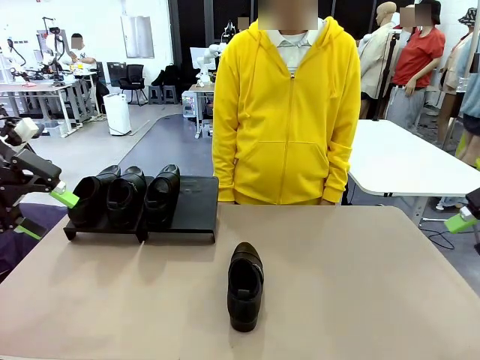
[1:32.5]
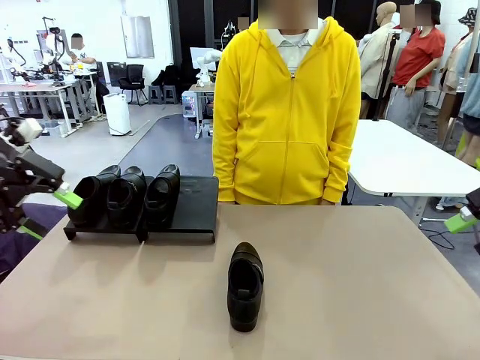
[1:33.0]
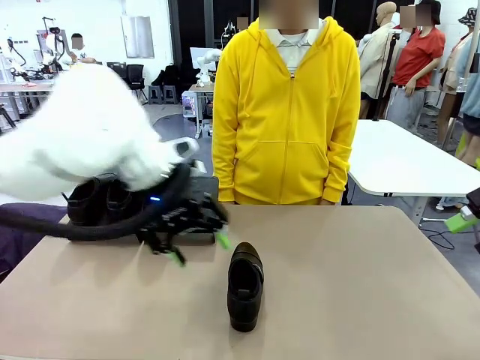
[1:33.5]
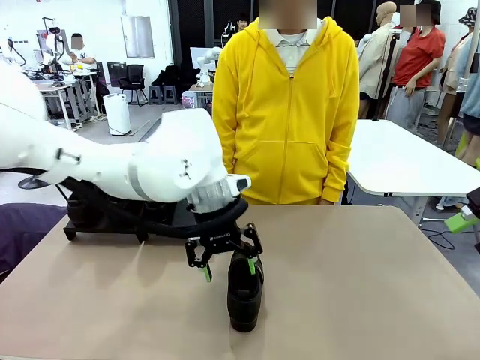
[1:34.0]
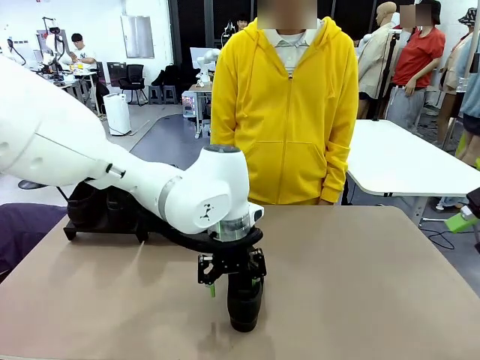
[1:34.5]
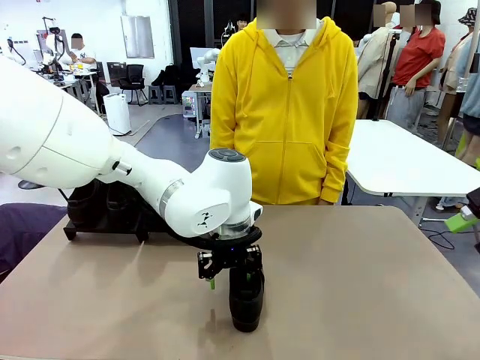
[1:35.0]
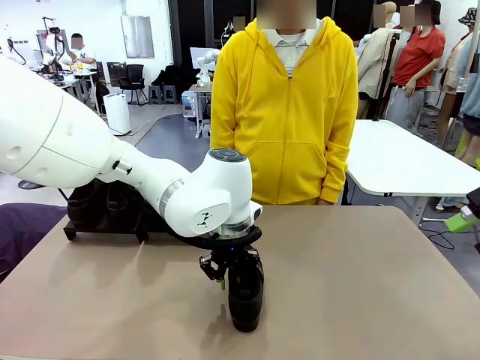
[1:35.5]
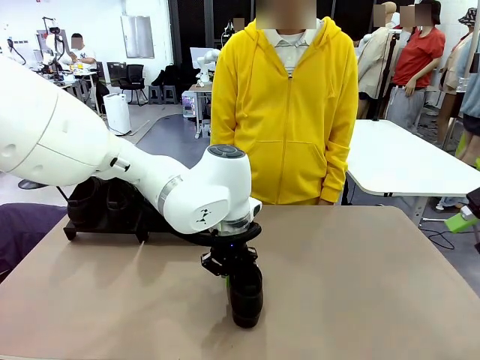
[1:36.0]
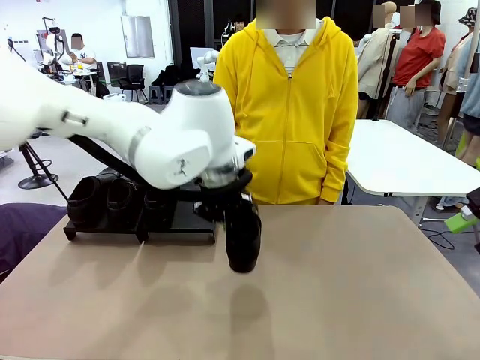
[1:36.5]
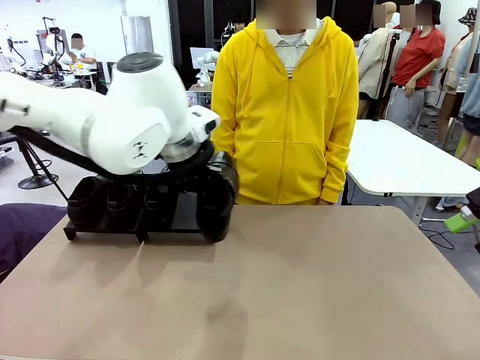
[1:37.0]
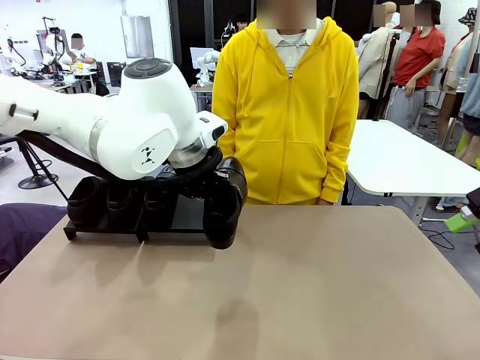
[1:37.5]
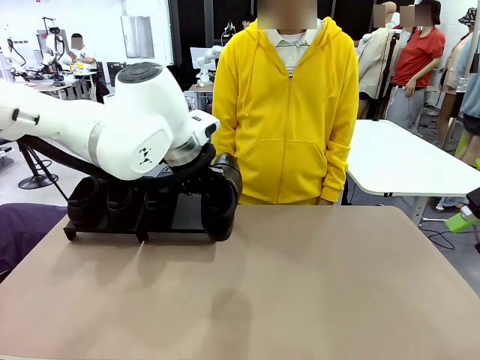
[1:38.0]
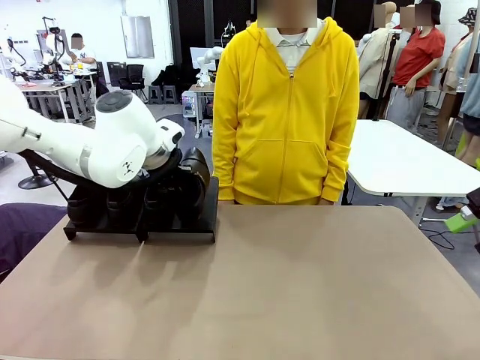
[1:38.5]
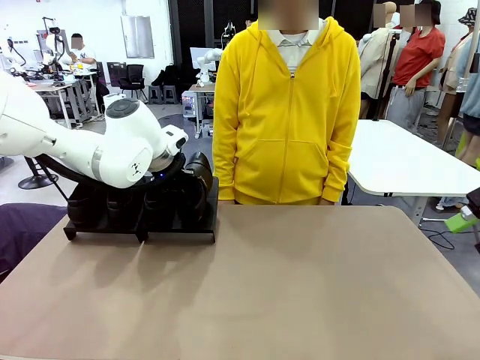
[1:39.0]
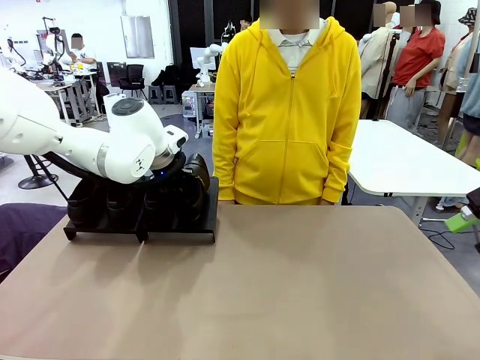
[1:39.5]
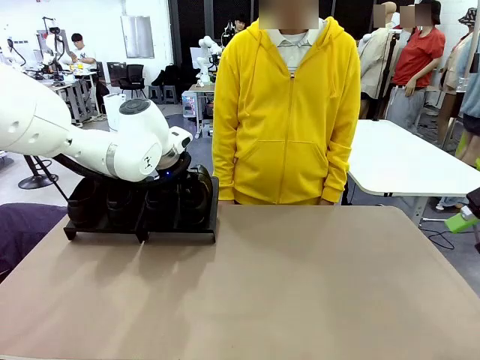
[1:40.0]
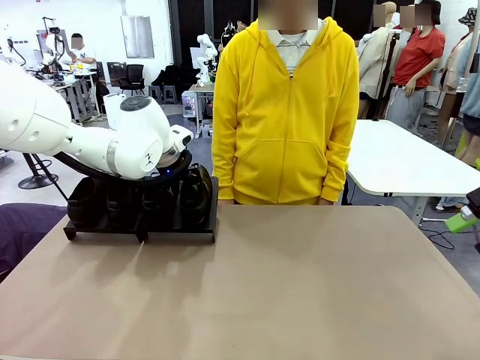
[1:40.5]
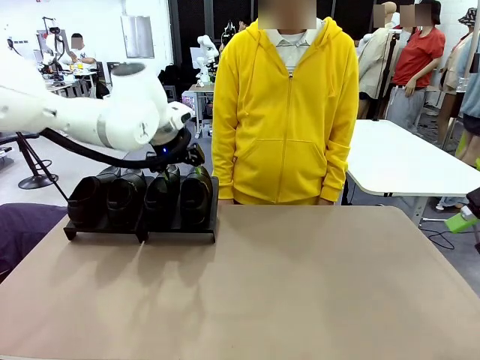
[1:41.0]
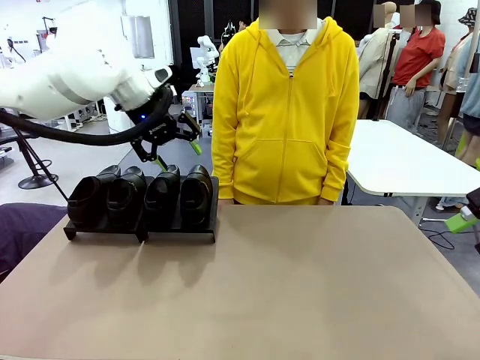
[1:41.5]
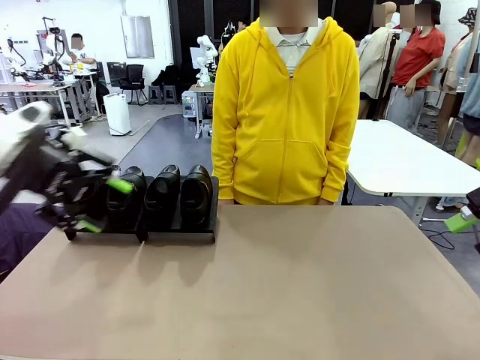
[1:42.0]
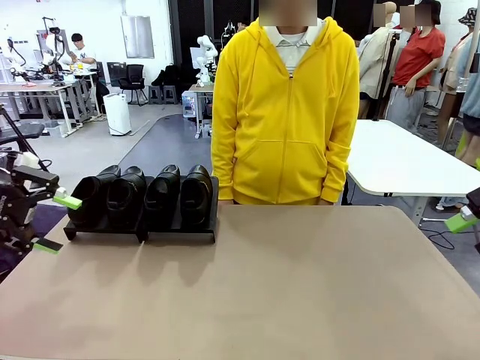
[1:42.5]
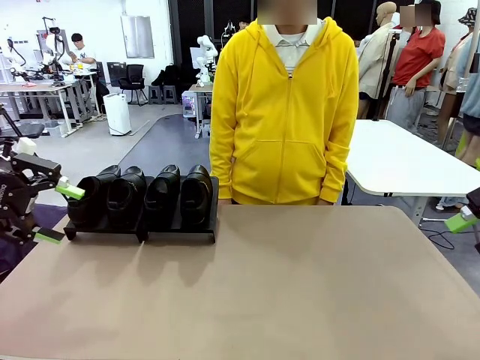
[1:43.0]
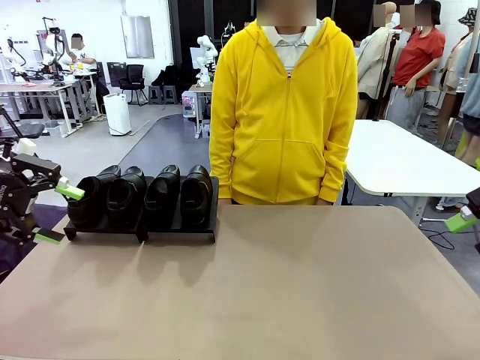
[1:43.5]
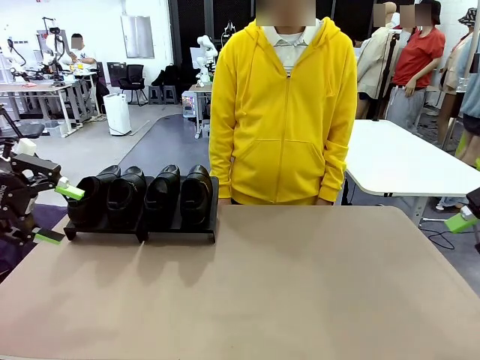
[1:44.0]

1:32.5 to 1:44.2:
Task: Organize the shoes by placing them on the stand.
Robot: Place the Shoe from the middle of the table onto the Shoes Stand.

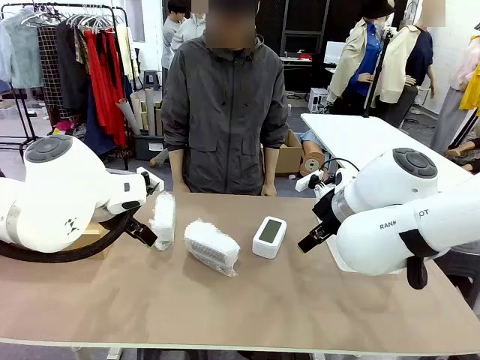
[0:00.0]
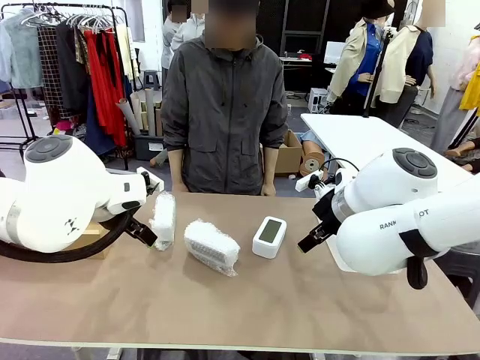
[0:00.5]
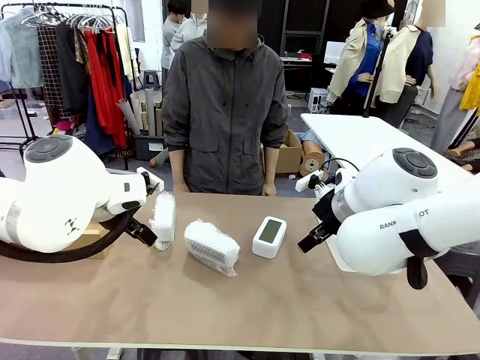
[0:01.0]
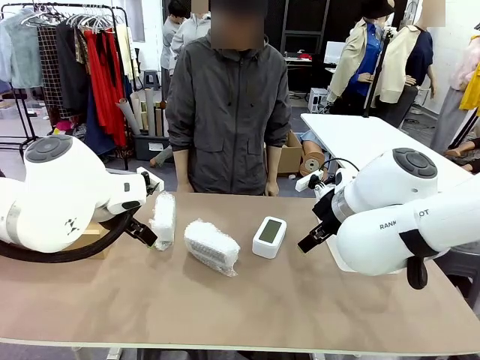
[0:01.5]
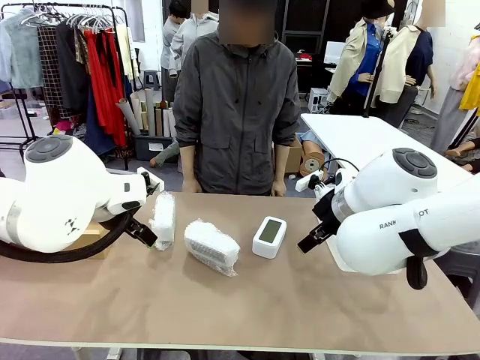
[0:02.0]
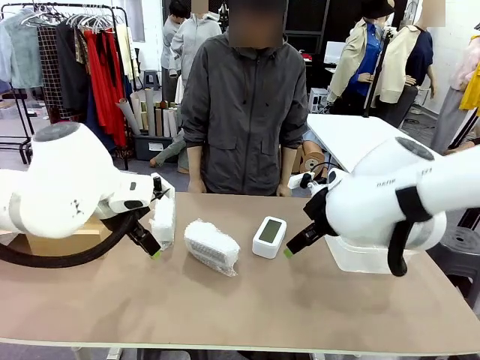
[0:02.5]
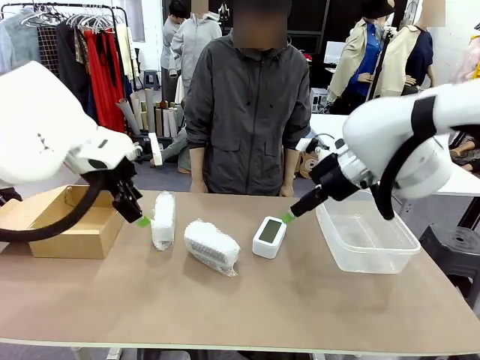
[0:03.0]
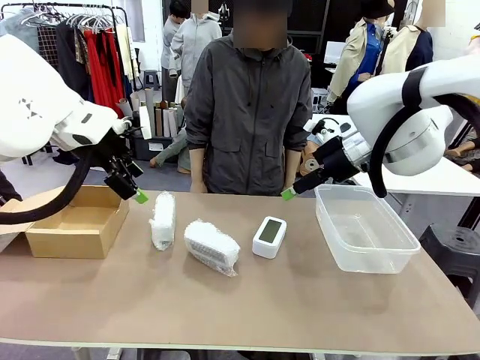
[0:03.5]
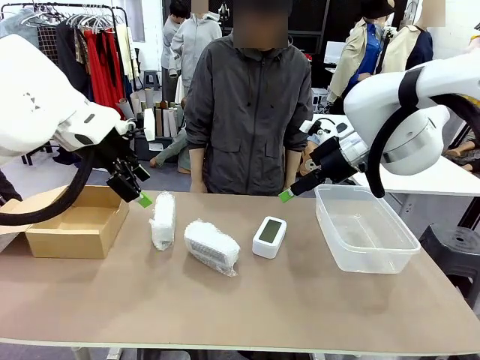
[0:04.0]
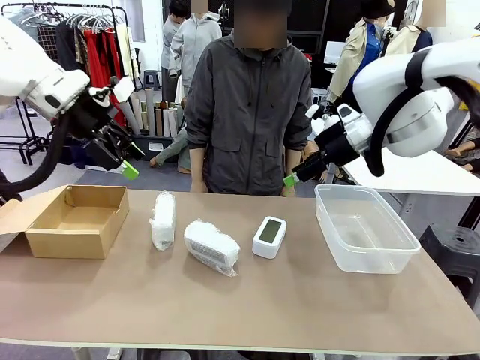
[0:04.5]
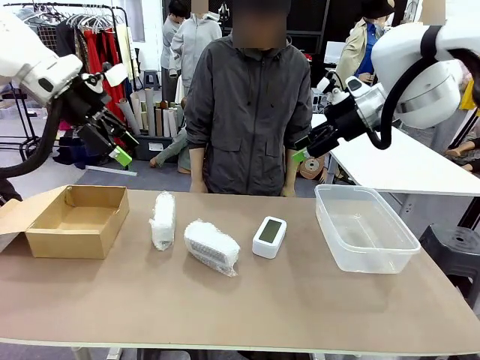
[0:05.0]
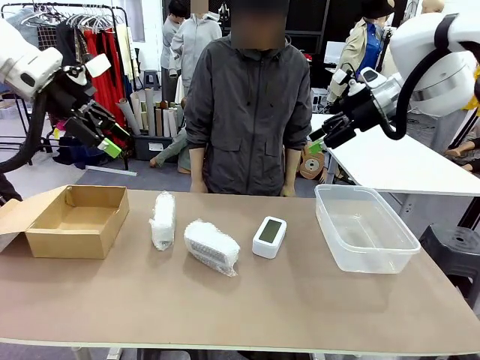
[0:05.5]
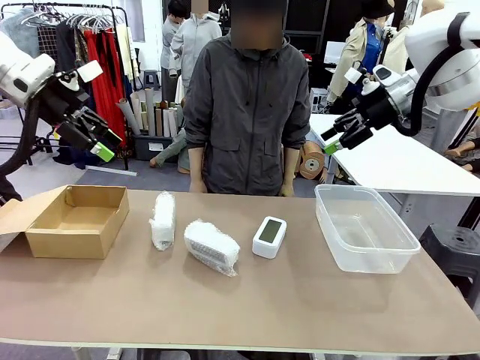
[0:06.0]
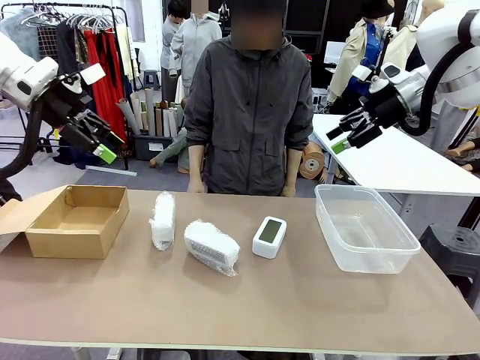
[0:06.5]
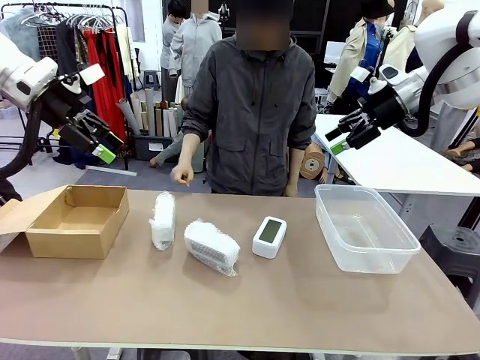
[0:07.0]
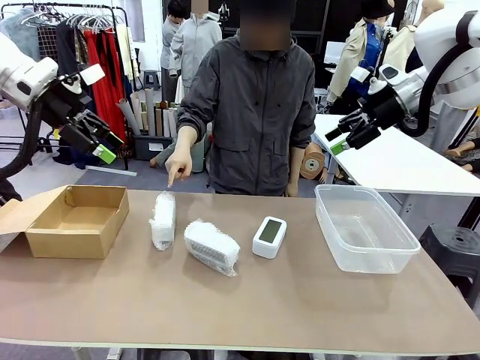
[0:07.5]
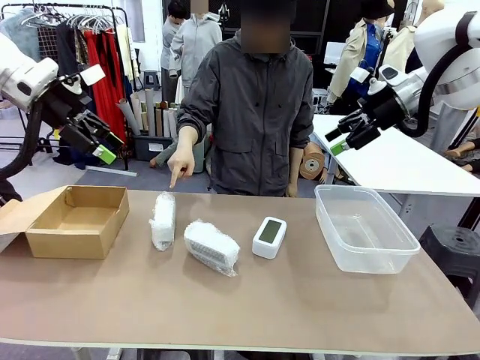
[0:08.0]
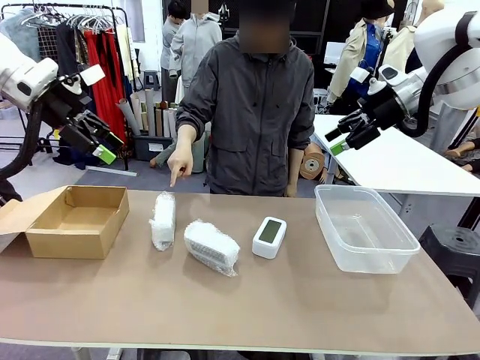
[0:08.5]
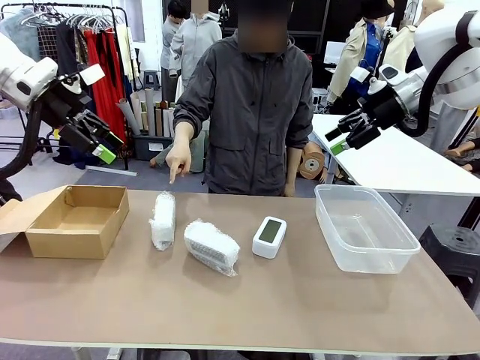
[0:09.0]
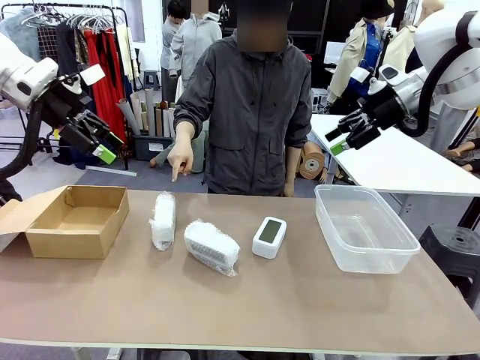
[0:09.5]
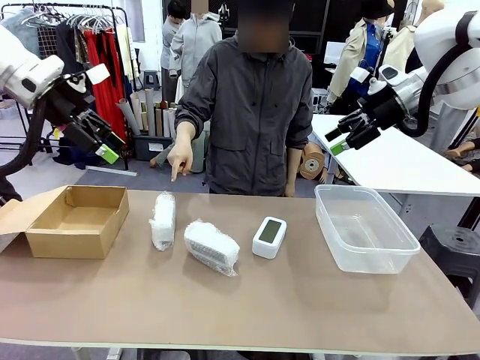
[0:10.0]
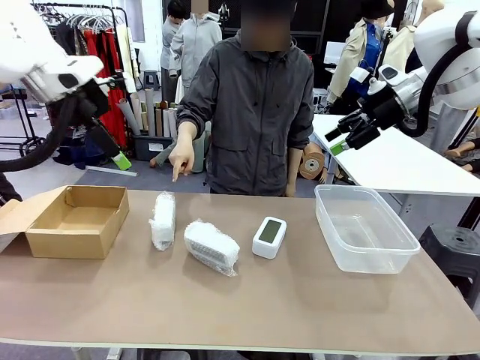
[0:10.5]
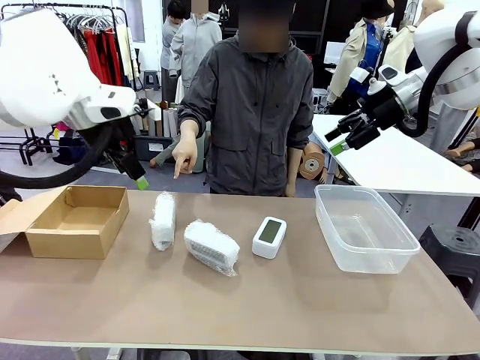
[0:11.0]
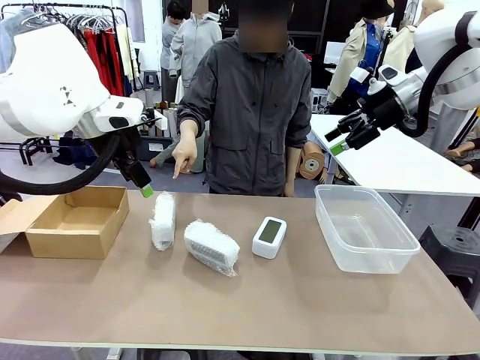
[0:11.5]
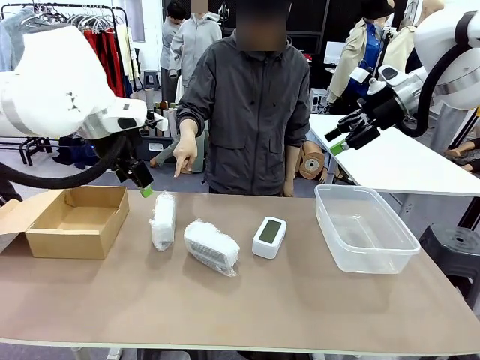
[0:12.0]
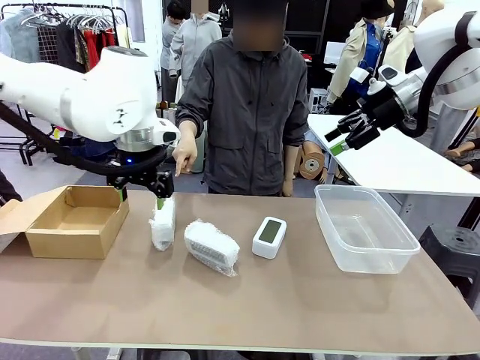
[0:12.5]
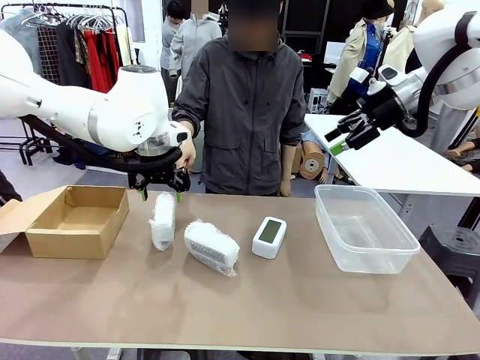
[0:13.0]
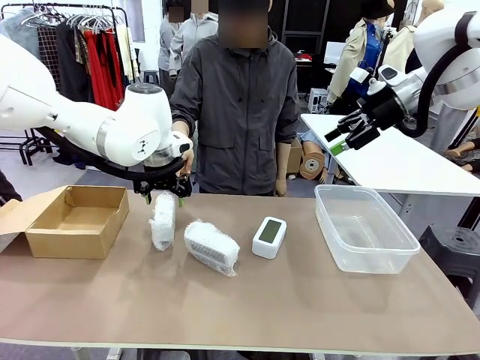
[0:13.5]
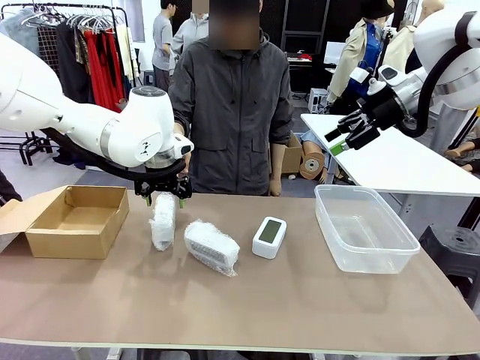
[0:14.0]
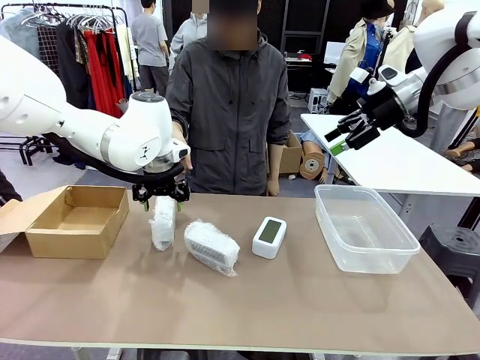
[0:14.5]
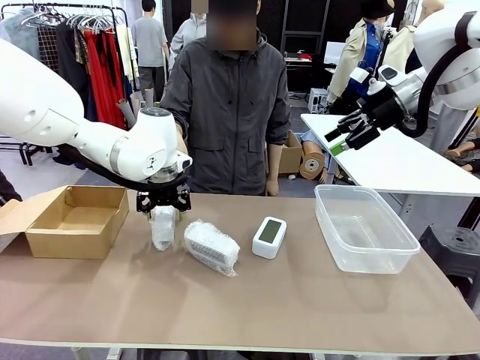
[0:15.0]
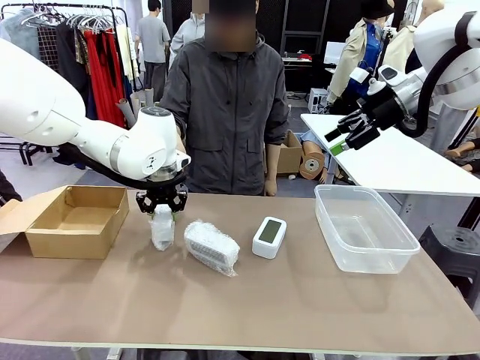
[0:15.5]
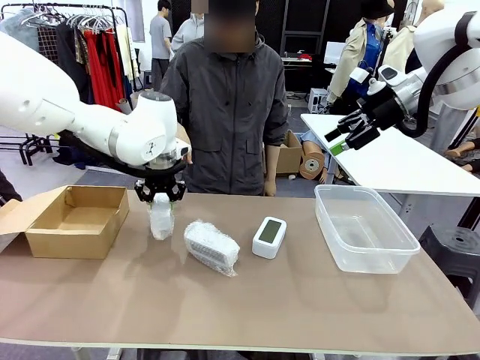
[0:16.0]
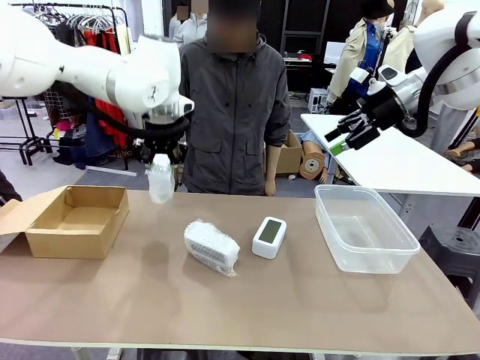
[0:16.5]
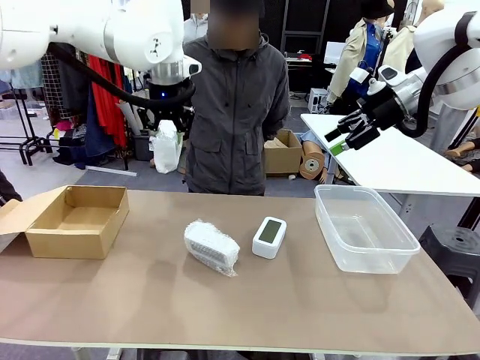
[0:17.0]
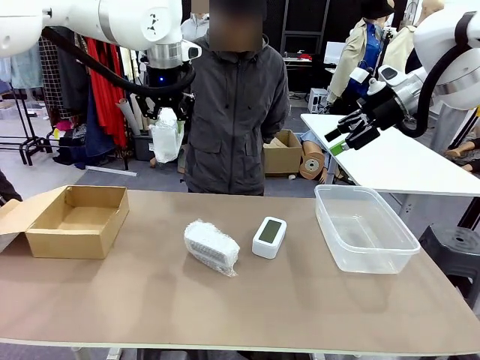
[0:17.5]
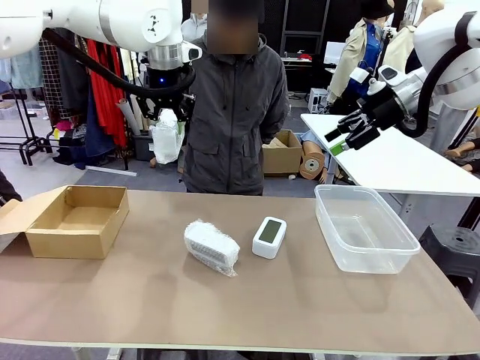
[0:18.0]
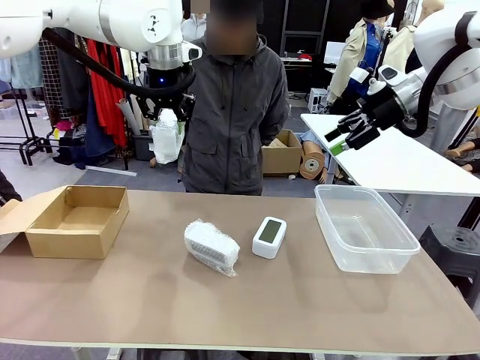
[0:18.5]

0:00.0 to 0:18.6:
Task: Separate and place wrapped and unwrapped clocks.
Robot: Pick up the Digital clock indicated by the person.
